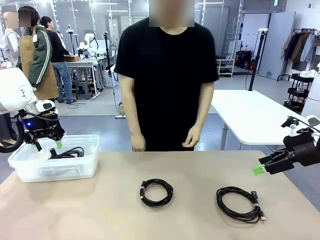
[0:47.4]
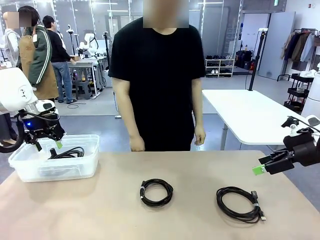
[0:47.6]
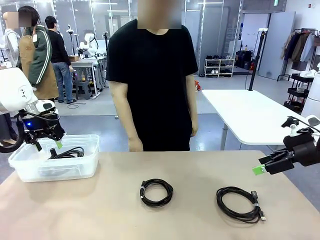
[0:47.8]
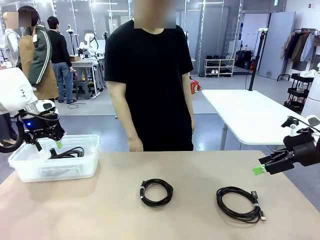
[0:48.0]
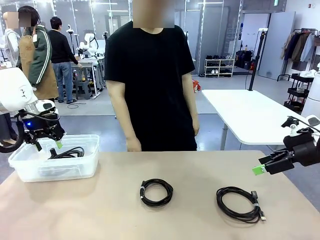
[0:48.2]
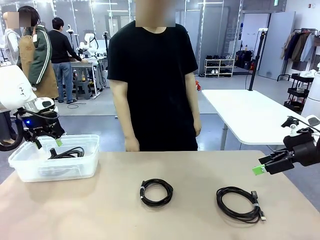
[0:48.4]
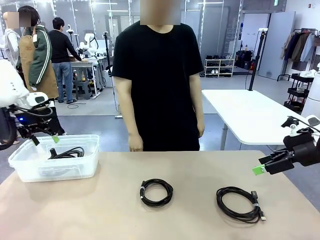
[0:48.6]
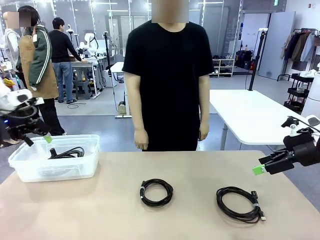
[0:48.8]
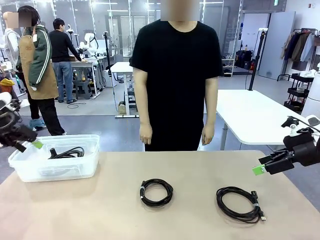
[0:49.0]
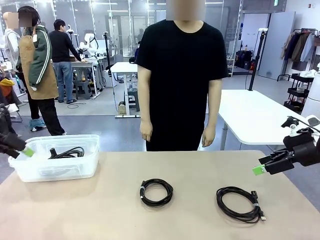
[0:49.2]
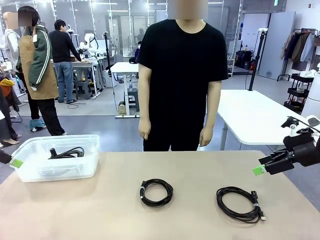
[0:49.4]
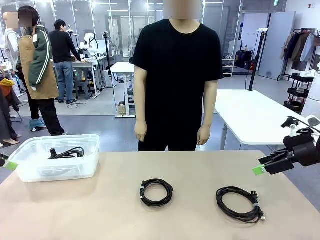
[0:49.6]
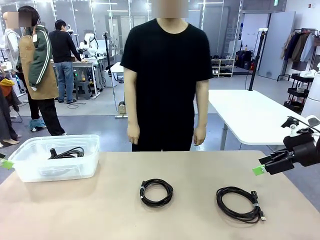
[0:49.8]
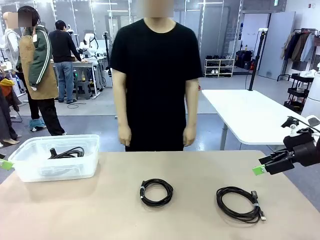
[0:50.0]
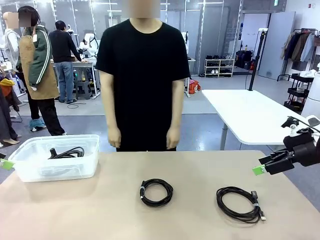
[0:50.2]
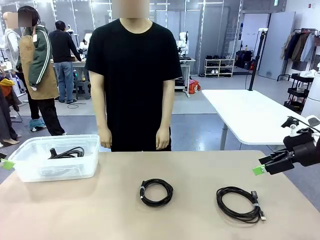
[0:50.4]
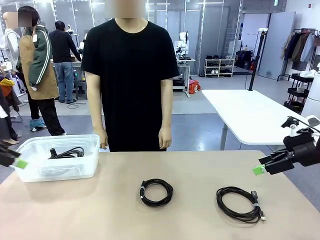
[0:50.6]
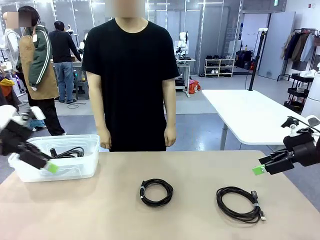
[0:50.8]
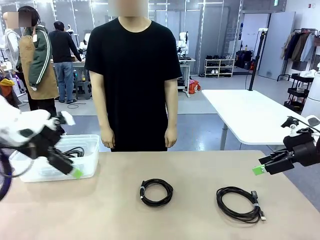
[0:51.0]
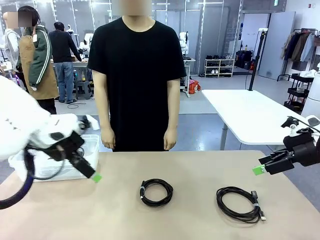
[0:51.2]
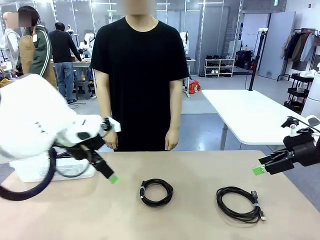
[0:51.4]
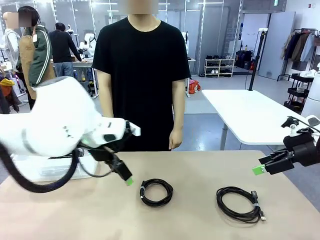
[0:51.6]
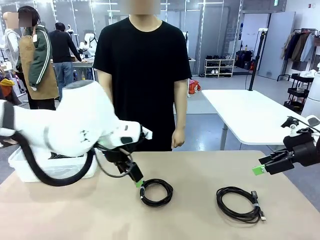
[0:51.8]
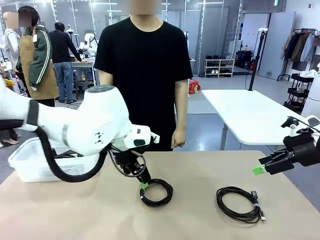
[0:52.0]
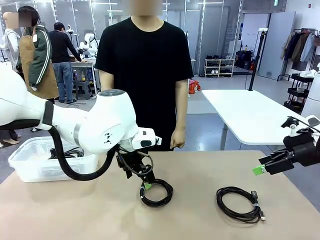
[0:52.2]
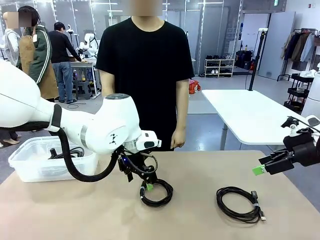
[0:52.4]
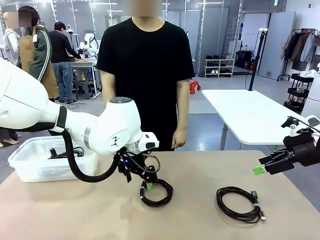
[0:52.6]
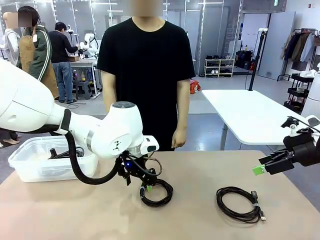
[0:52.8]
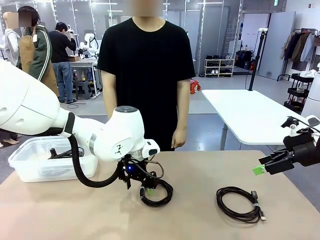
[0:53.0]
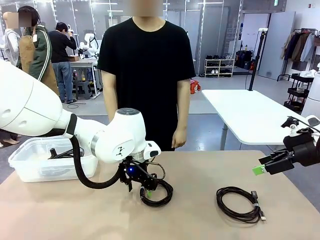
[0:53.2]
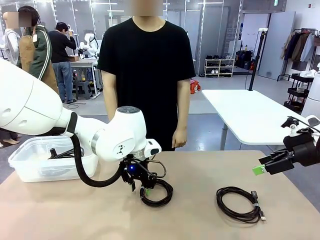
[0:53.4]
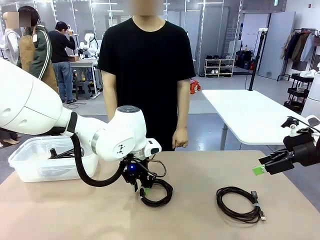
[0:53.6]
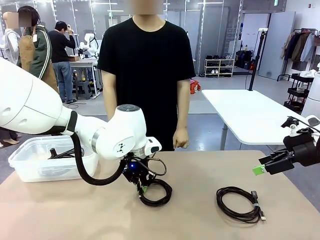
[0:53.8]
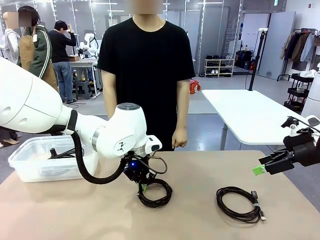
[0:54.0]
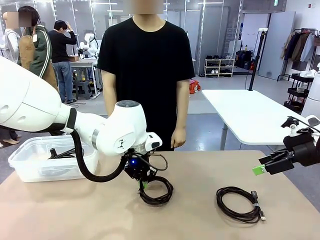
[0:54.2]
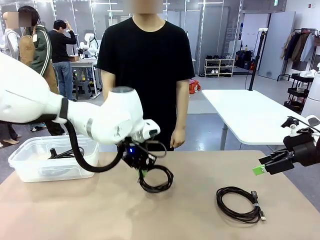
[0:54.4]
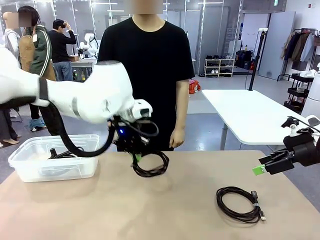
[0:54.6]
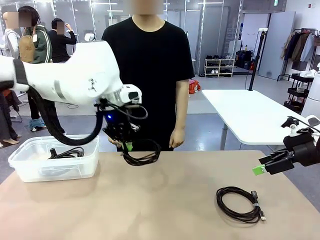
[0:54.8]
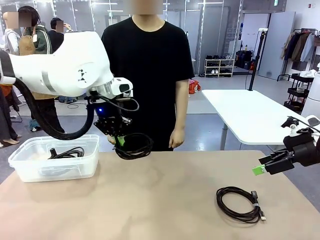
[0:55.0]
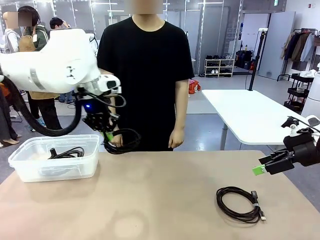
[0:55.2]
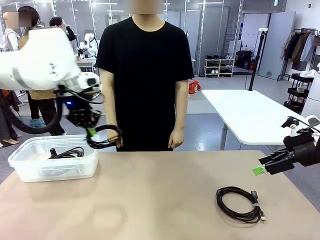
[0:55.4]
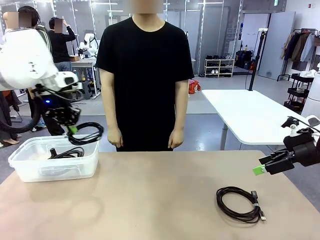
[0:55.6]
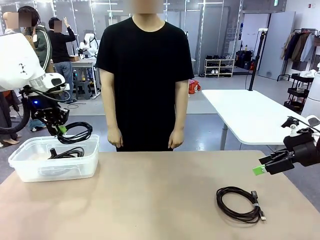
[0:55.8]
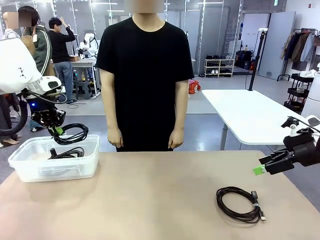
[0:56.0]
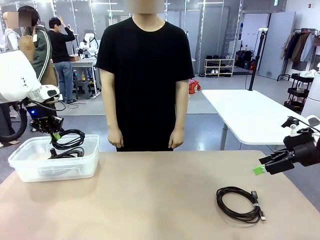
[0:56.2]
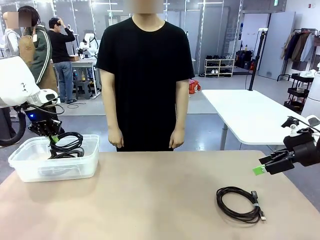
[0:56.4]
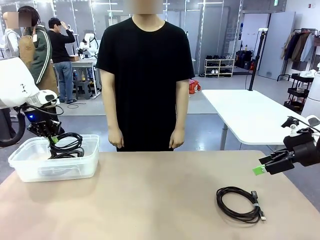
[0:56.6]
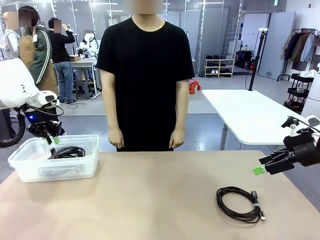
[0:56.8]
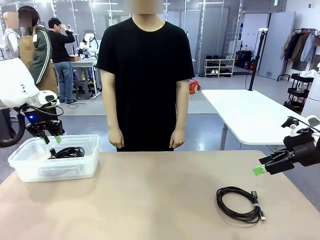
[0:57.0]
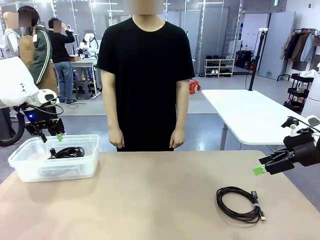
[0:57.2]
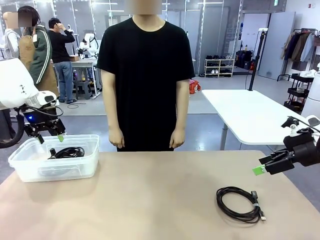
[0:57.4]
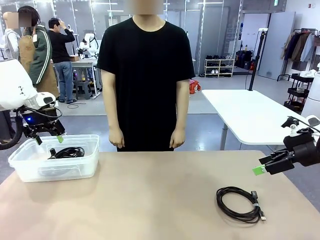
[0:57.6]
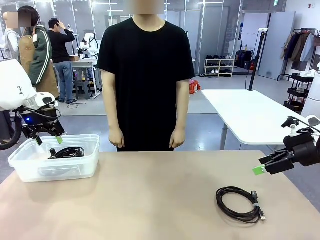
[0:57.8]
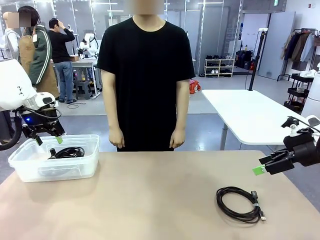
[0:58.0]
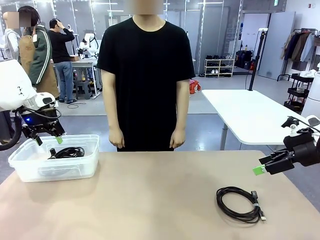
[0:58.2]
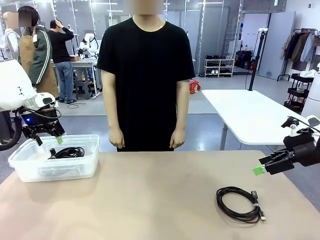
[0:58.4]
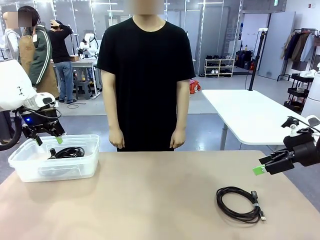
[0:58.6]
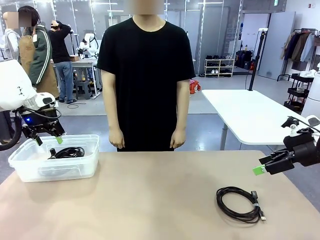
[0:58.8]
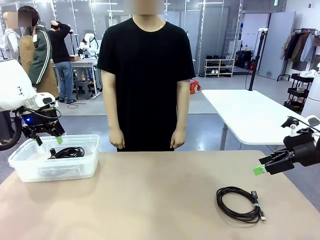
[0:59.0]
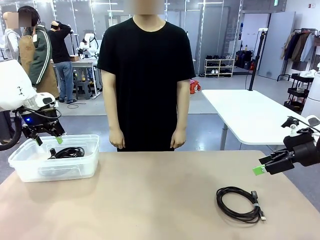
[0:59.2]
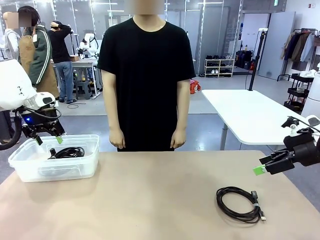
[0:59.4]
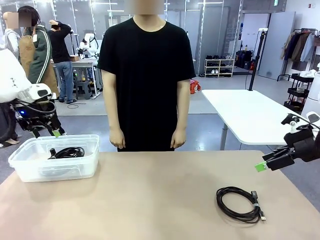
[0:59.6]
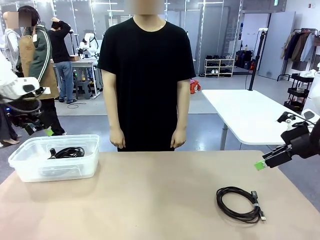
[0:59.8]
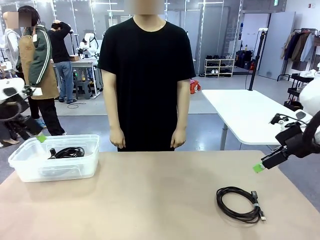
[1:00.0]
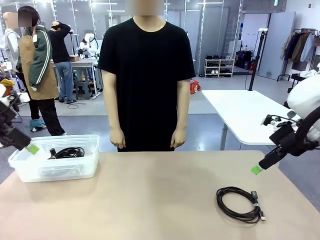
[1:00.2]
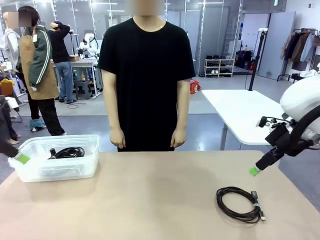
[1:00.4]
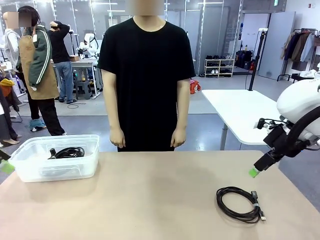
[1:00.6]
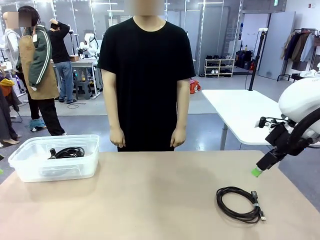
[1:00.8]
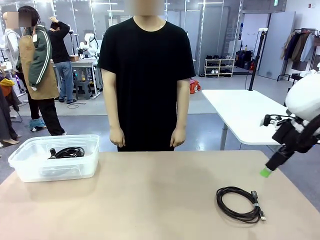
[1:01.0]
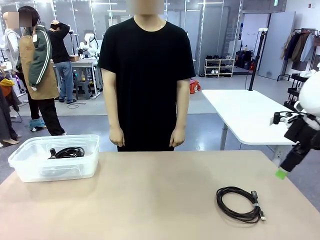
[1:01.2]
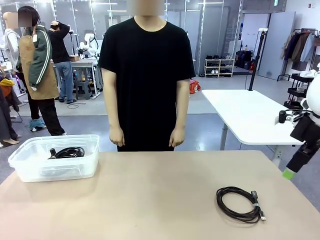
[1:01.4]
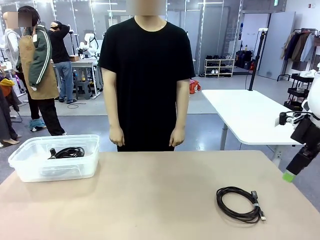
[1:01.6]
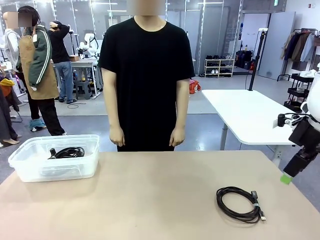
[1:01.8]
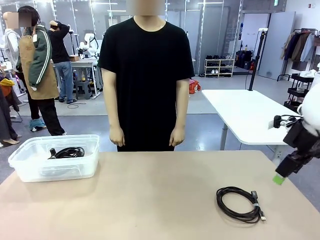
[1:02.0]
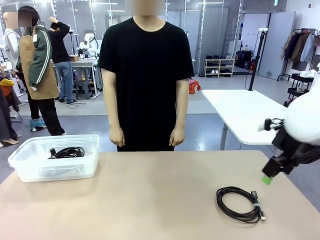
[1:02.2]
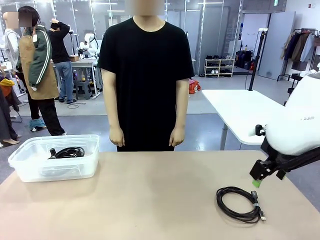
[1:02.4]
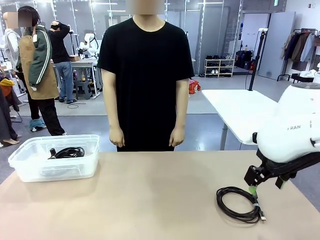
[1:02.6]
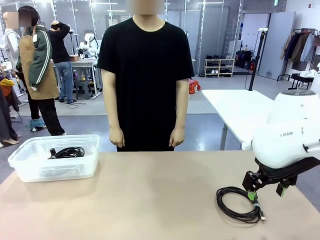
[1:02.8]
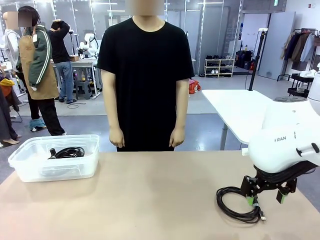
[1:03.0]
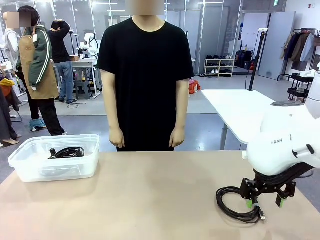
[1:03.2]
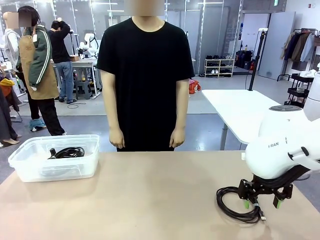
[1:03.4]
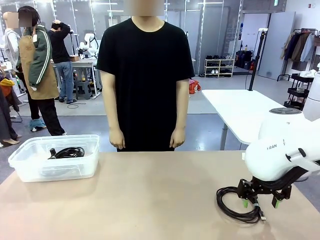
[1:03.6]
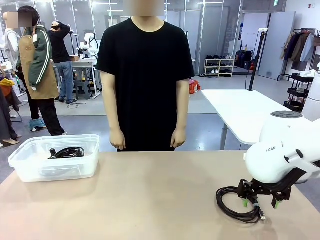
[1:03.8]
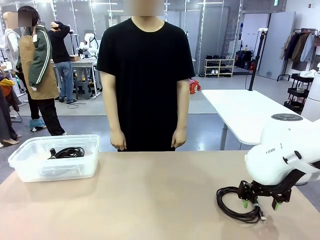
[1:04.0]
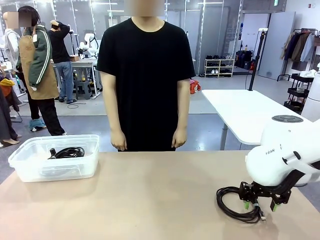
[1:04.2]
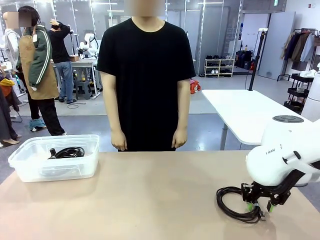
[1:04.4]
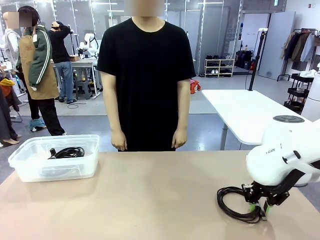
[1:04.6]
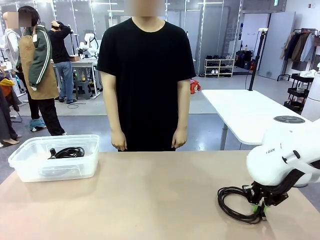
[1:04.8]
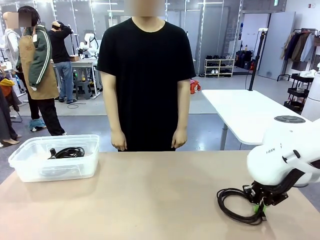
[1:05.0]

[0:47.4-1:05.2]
Task: Organize and store the cables.
Robot: Place the USB Extension Cable into the Organizing box.
